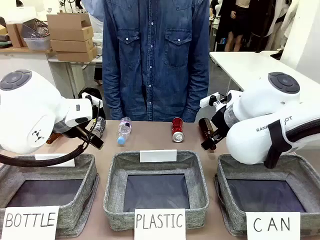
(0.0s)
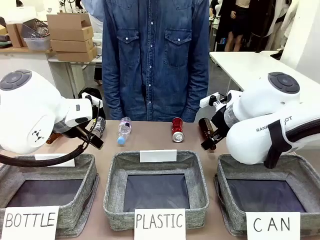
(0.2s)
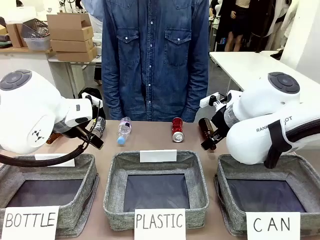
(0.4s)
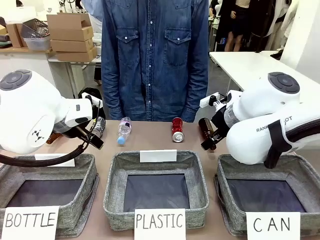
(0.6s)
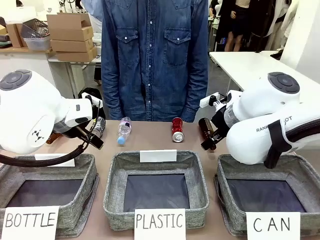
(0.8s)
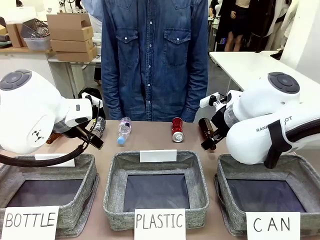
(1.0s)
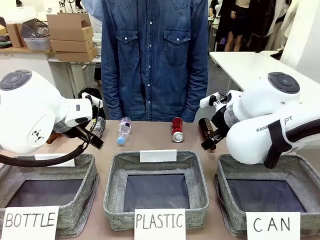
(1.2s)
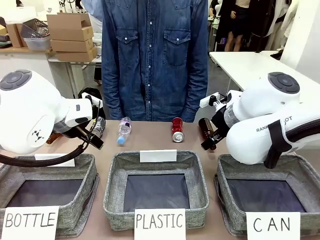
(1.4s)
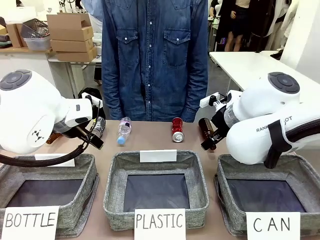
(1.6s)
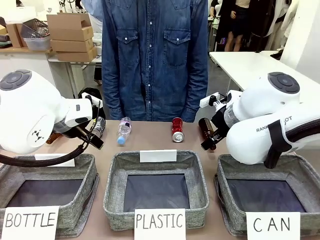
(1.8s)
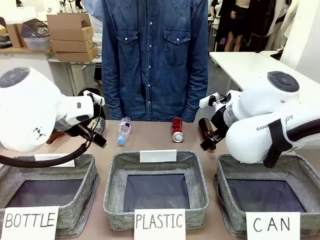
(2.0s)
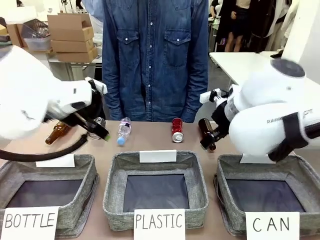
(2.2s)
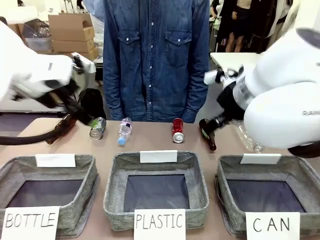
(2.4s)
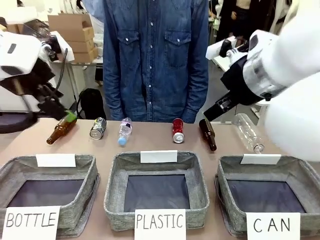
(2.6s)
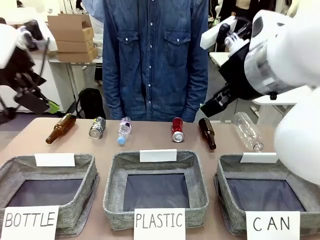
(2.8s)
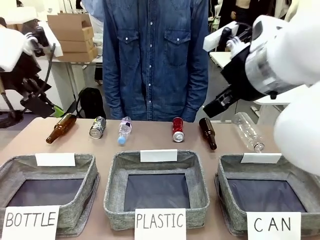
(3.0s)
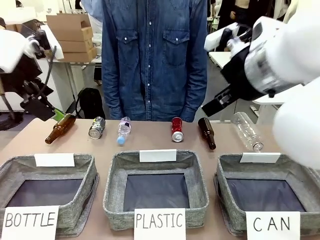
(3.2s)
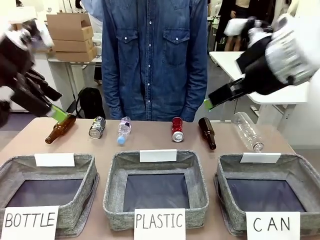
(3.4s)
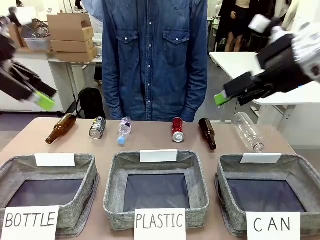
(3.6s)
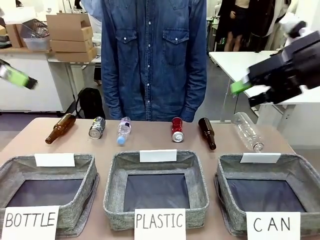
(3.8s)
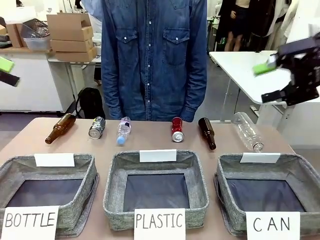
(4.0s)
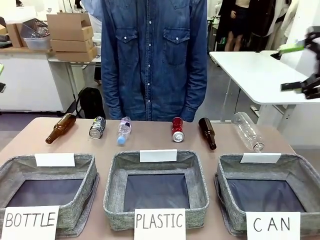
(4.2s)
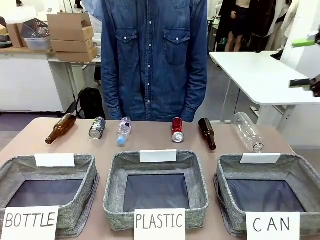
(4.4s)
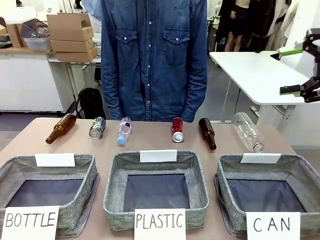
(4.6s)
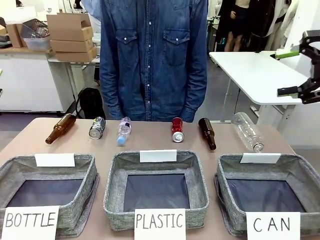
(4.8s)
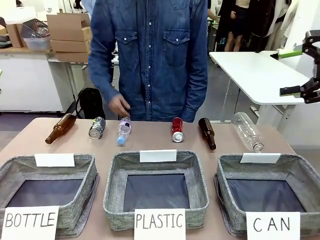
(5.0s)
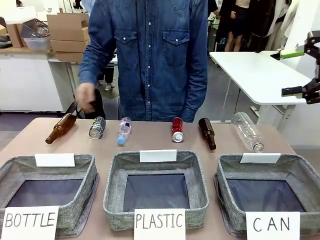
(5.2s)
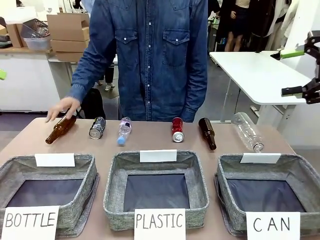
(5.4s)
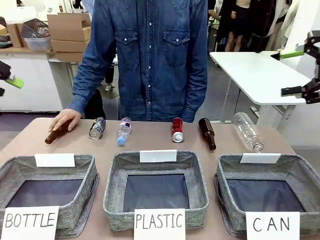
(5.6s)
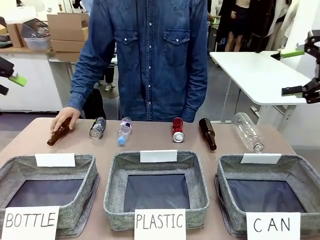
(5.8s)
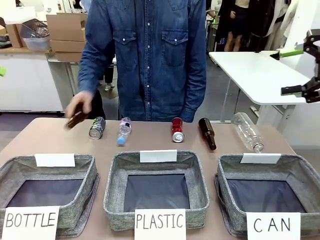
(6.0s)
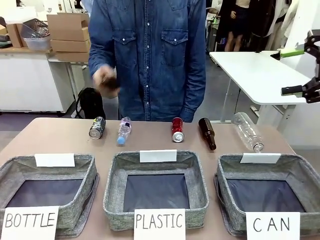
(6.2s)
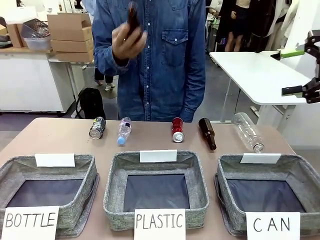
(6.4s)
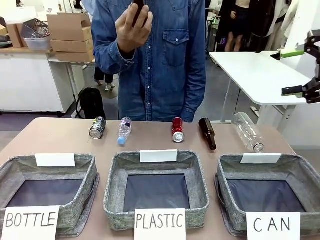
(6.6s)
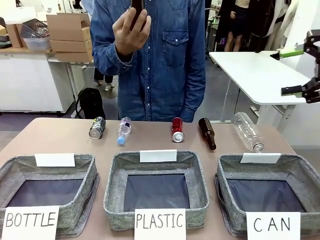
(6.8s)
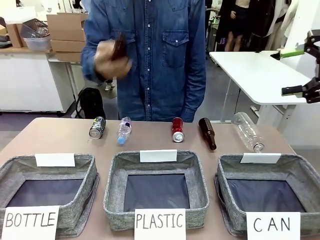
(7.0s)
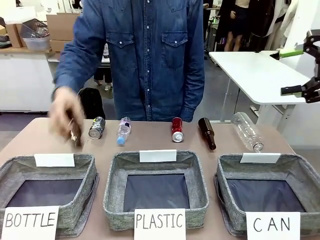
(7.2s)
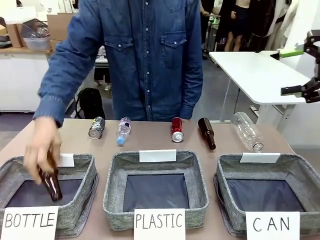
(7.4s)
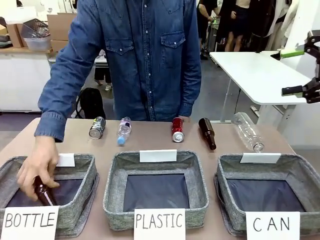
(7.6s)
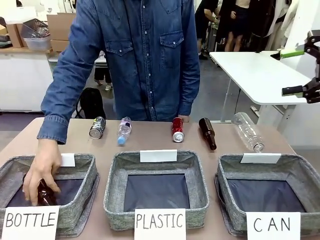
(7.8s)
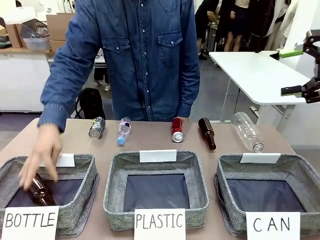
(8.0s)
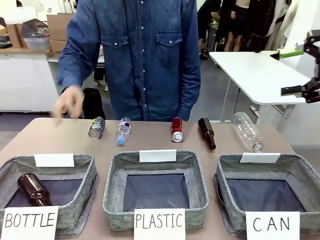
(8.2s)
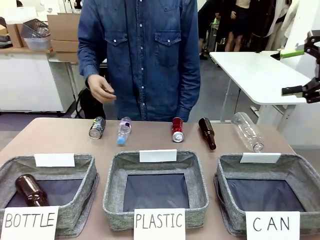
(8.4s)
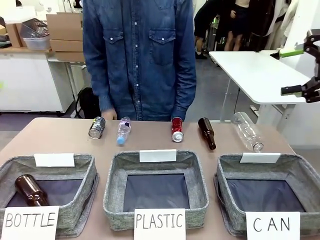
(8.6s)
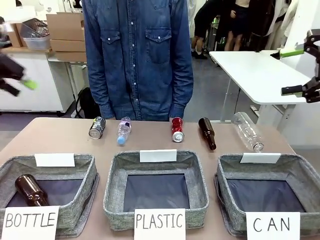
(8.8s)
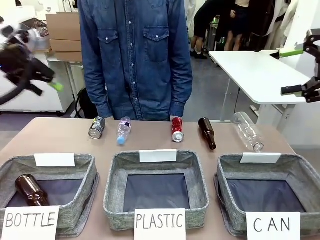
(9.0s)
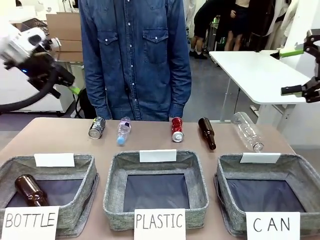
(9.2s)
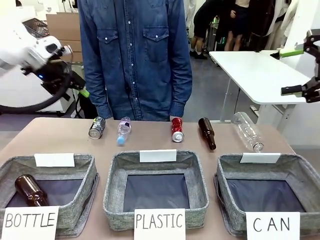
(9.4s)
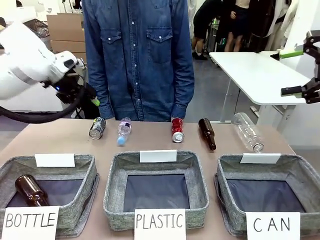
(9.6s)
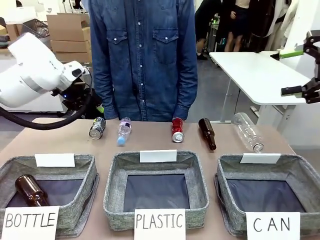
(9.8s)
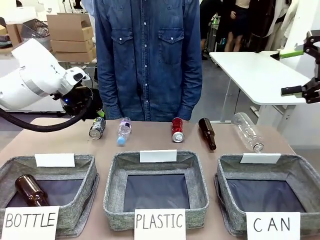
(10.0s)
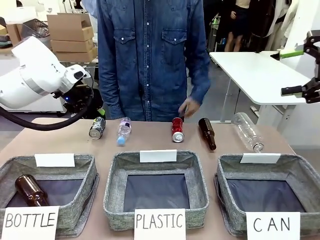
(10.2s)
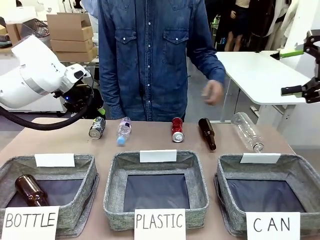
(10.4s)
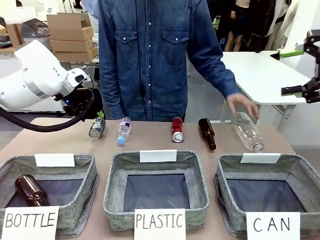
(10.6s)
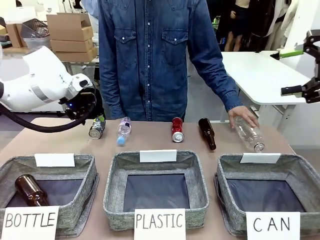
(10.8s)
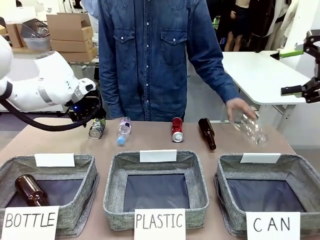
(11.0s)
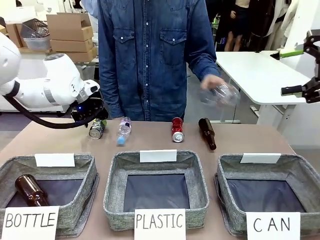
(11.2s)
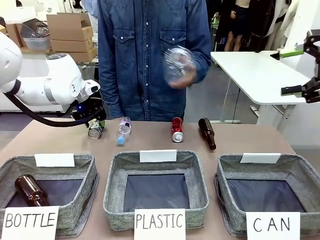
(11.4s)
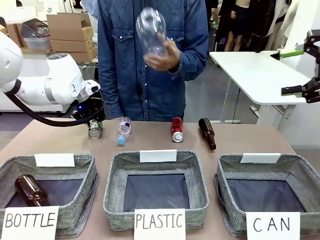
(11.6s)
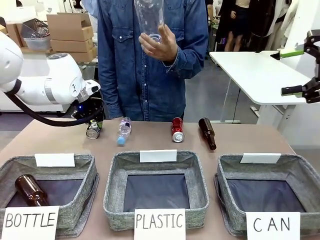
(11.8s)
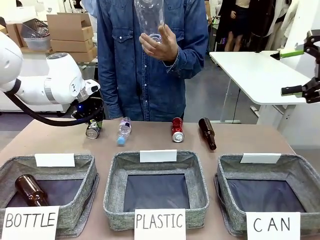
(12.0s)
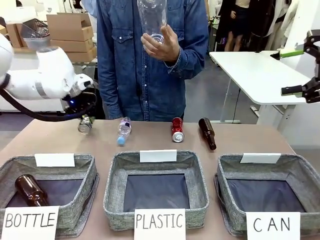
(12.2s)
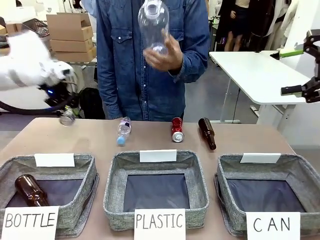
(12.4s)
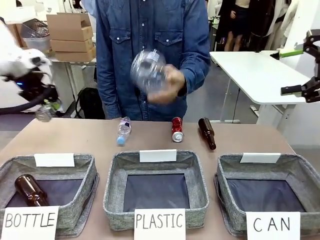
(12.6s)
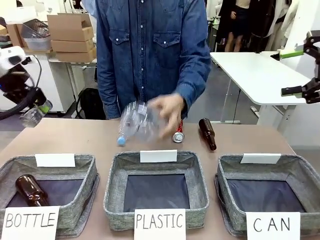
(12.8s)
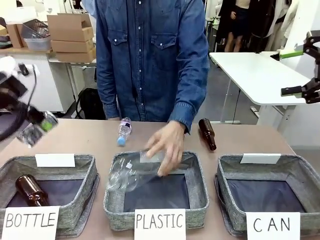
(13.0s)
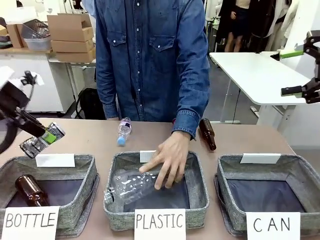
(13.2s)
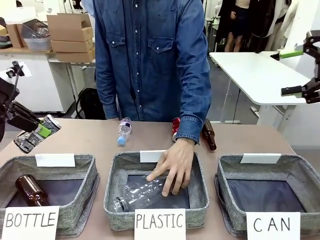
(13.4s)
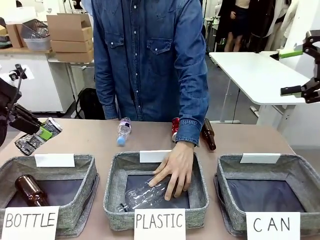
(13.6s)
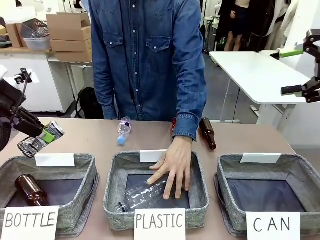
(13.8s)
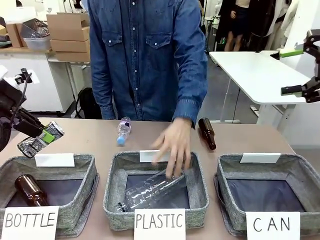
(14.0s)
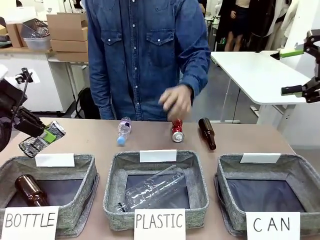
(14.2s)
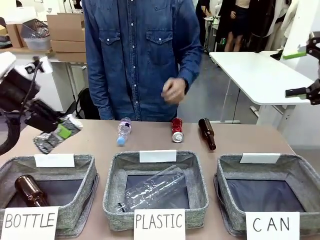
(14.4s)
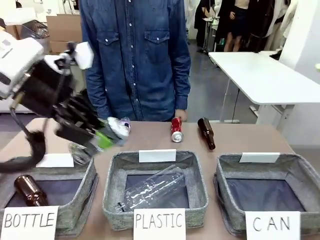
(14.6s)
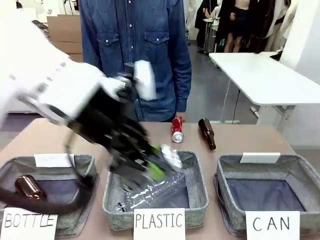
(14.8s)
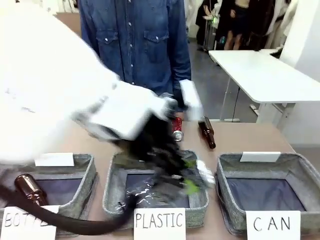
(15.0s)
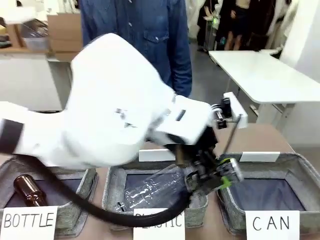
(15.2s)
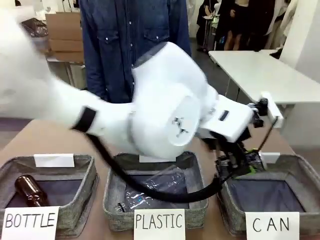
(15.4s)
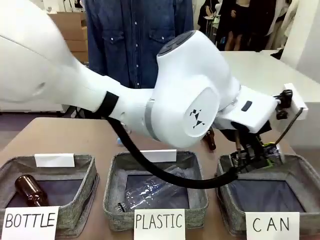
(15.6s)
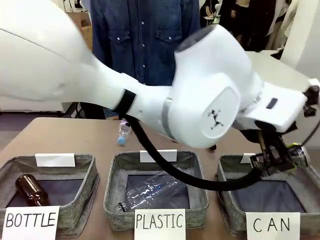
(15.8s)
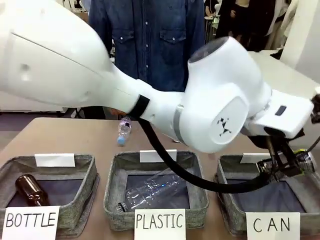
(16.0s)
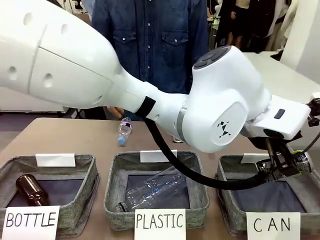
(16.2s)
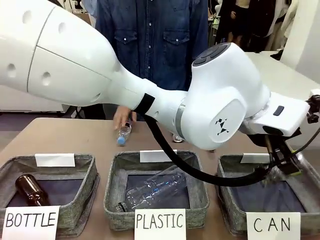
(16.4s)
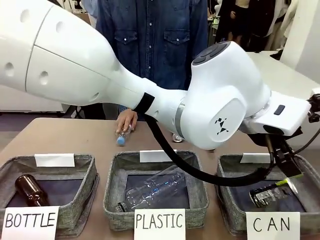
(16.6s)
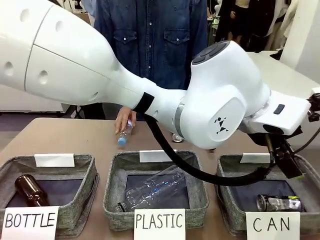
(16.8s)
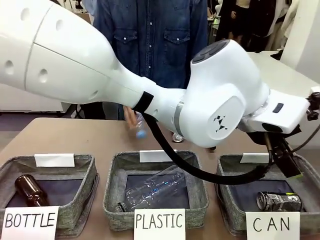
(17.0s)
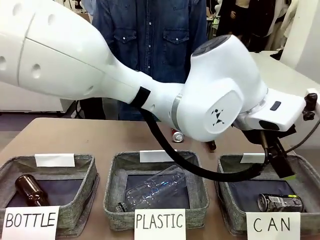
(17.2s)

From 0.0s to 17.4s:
Task: Sort the can waste into the basket.
Robot: Pick up the can waste from the table and place it in the right Fabric basket.
